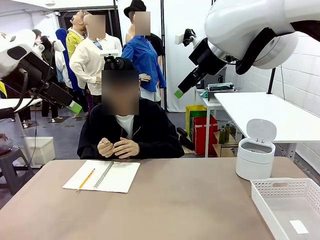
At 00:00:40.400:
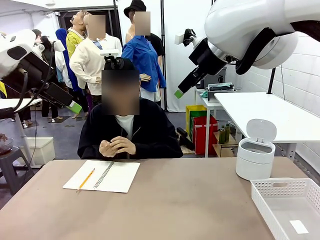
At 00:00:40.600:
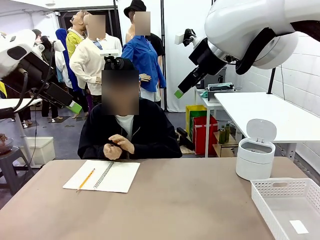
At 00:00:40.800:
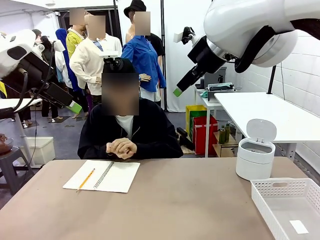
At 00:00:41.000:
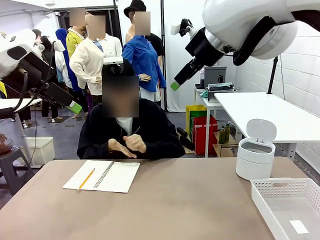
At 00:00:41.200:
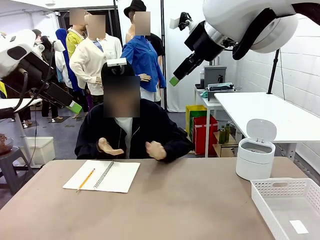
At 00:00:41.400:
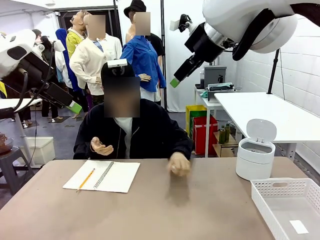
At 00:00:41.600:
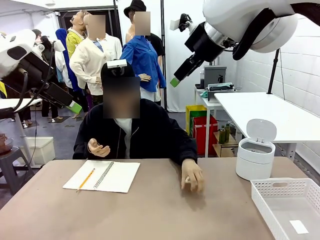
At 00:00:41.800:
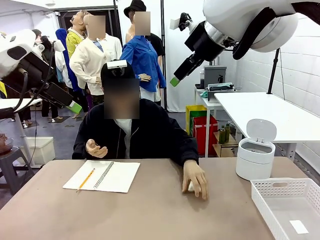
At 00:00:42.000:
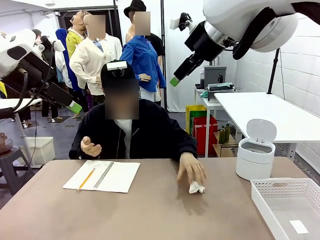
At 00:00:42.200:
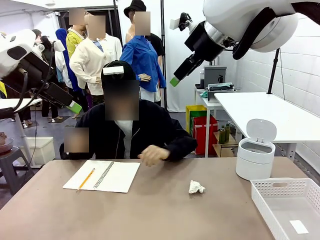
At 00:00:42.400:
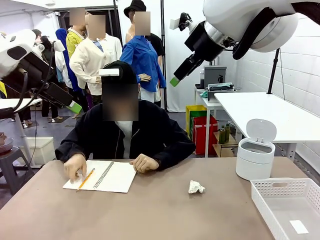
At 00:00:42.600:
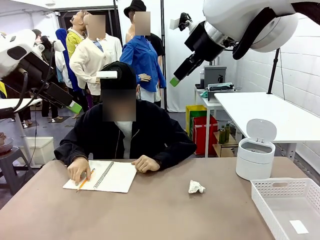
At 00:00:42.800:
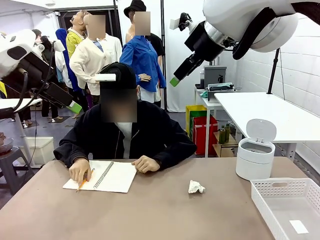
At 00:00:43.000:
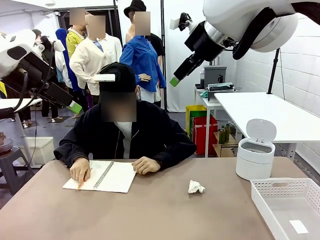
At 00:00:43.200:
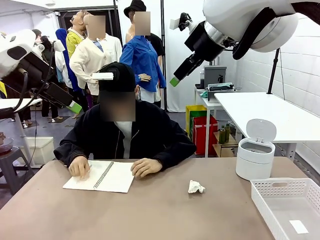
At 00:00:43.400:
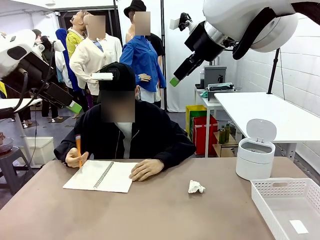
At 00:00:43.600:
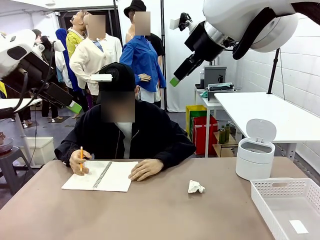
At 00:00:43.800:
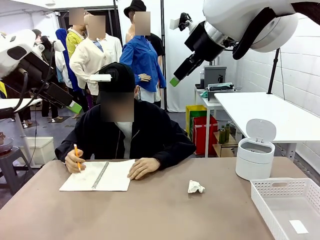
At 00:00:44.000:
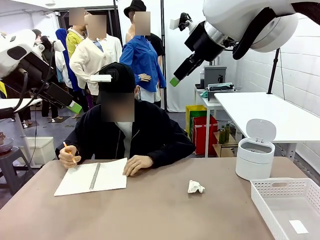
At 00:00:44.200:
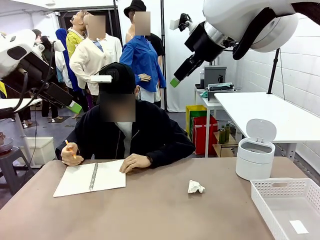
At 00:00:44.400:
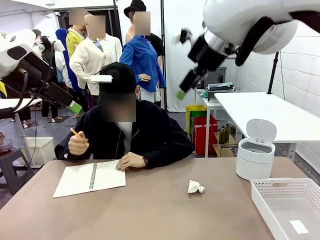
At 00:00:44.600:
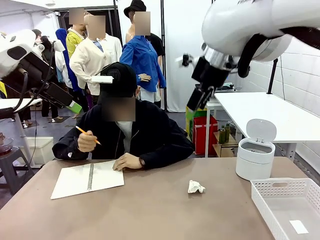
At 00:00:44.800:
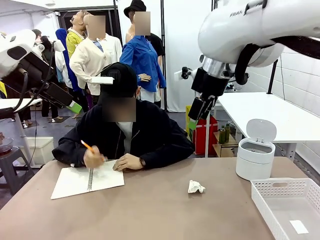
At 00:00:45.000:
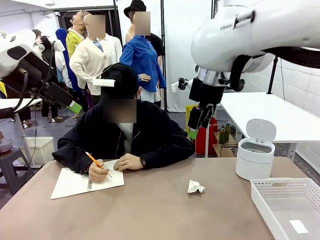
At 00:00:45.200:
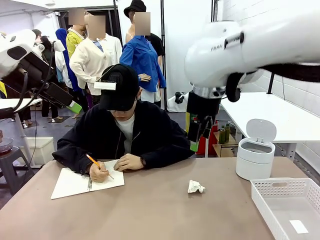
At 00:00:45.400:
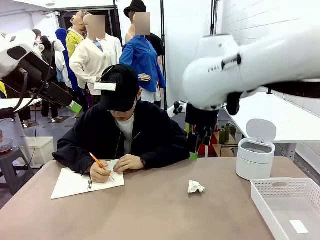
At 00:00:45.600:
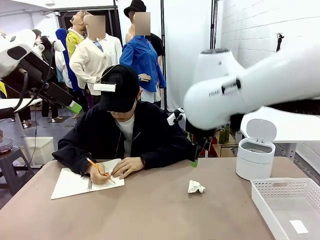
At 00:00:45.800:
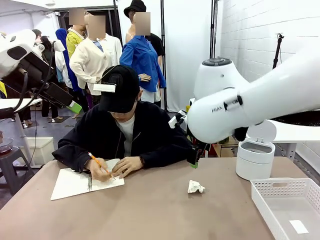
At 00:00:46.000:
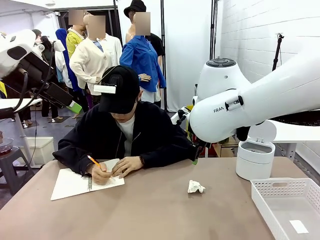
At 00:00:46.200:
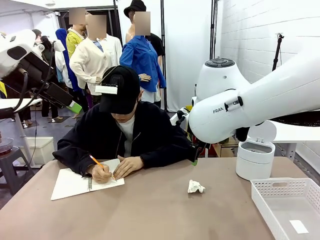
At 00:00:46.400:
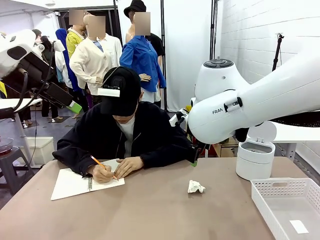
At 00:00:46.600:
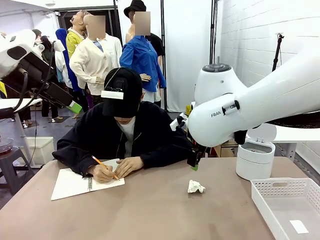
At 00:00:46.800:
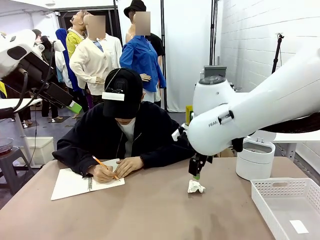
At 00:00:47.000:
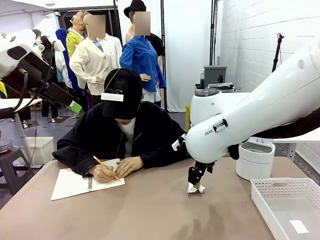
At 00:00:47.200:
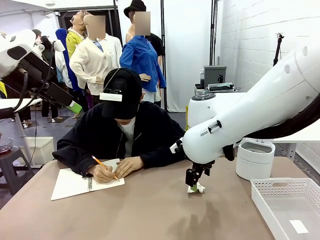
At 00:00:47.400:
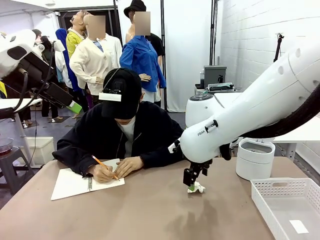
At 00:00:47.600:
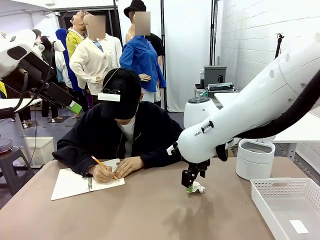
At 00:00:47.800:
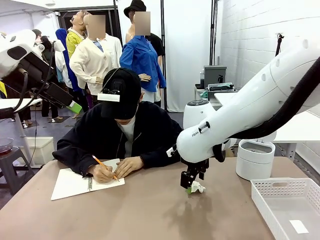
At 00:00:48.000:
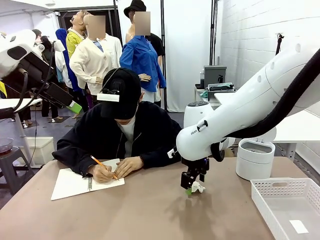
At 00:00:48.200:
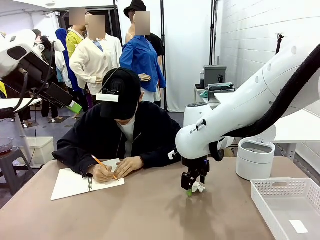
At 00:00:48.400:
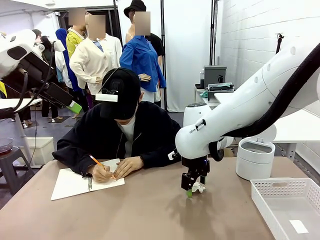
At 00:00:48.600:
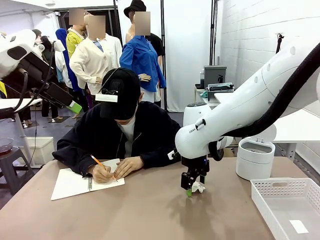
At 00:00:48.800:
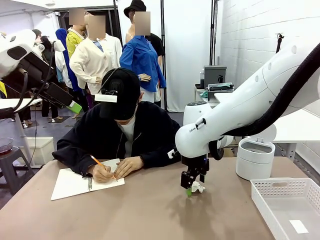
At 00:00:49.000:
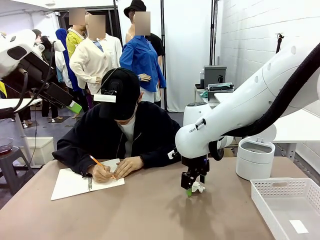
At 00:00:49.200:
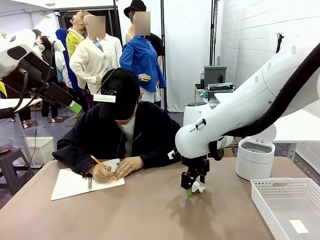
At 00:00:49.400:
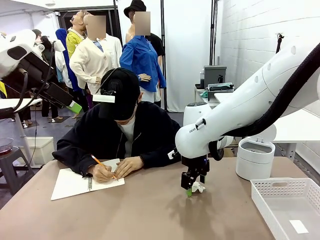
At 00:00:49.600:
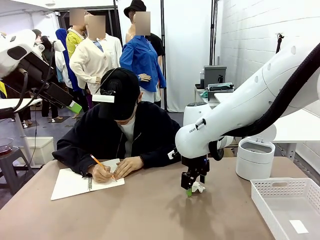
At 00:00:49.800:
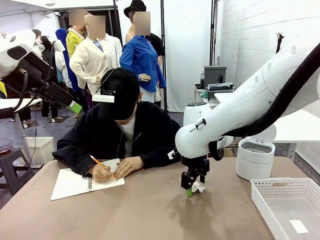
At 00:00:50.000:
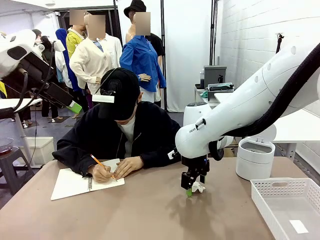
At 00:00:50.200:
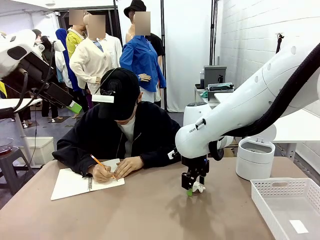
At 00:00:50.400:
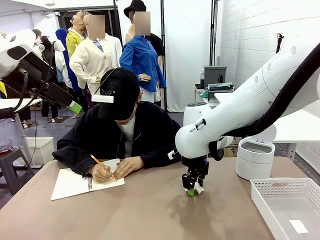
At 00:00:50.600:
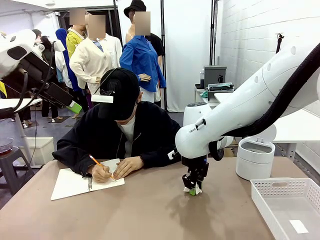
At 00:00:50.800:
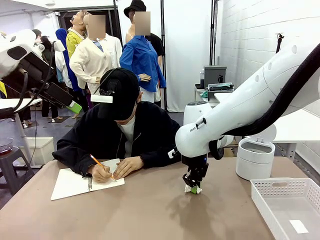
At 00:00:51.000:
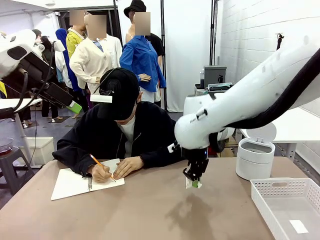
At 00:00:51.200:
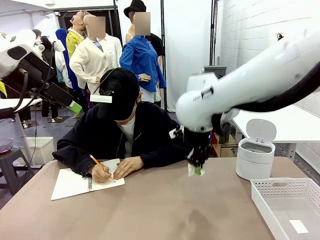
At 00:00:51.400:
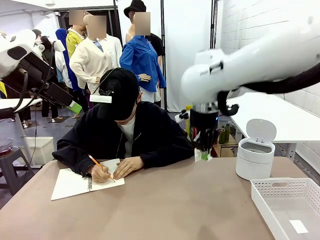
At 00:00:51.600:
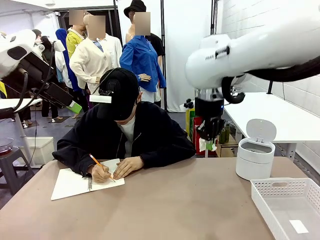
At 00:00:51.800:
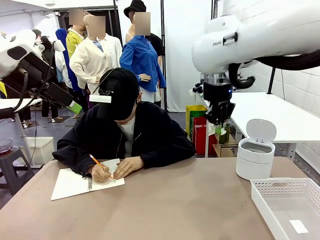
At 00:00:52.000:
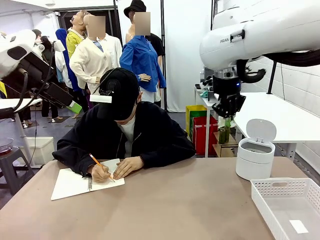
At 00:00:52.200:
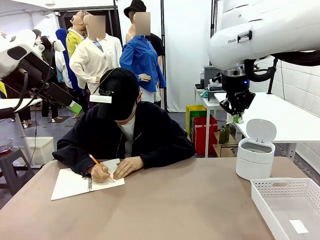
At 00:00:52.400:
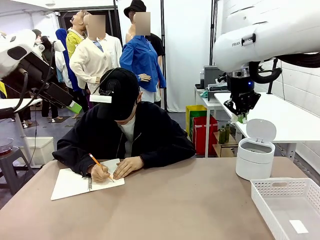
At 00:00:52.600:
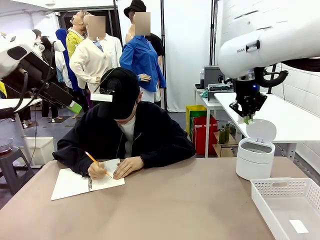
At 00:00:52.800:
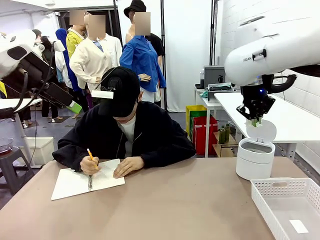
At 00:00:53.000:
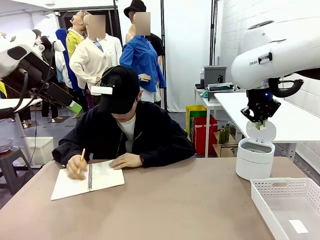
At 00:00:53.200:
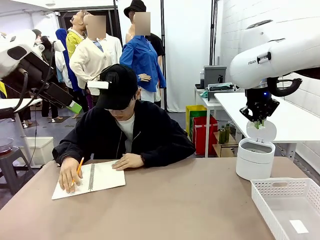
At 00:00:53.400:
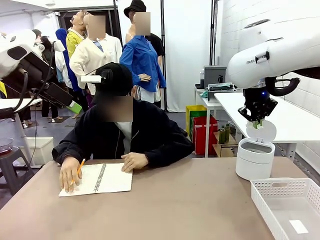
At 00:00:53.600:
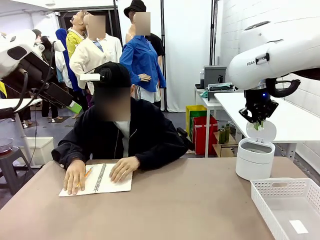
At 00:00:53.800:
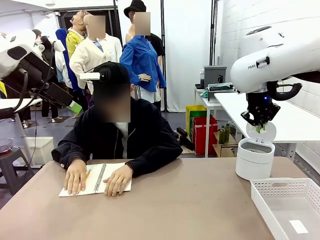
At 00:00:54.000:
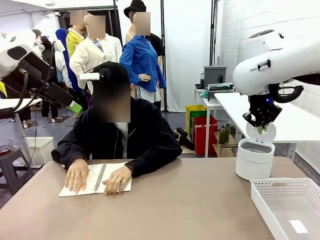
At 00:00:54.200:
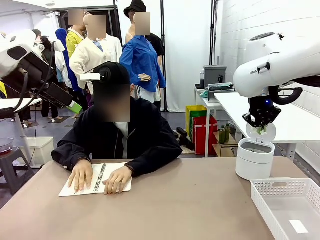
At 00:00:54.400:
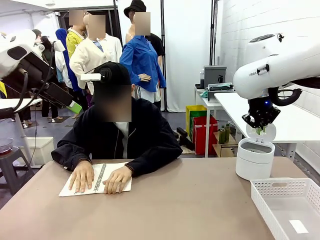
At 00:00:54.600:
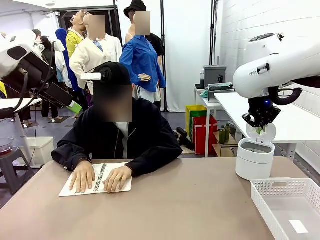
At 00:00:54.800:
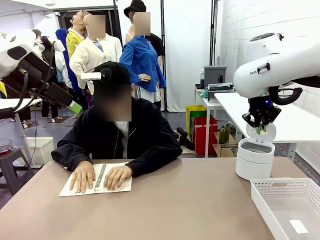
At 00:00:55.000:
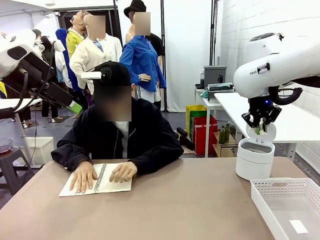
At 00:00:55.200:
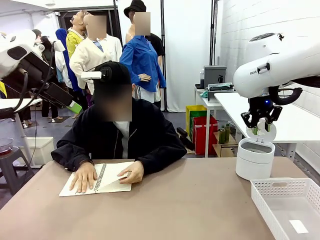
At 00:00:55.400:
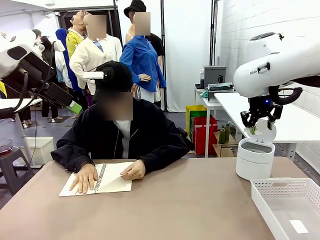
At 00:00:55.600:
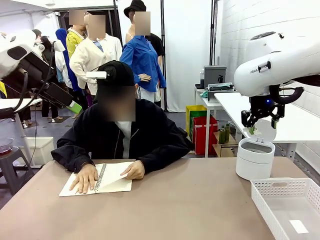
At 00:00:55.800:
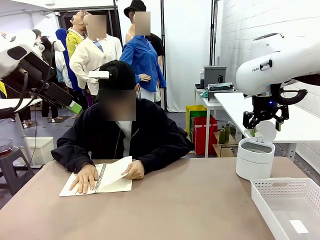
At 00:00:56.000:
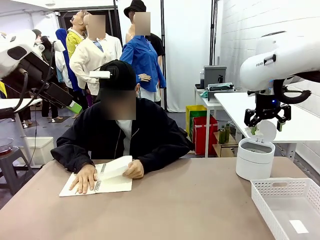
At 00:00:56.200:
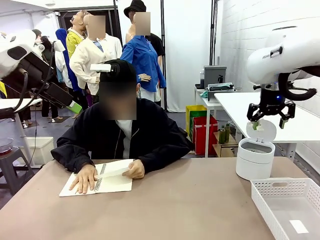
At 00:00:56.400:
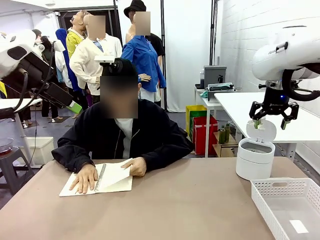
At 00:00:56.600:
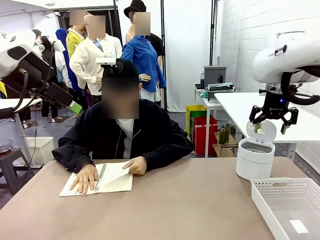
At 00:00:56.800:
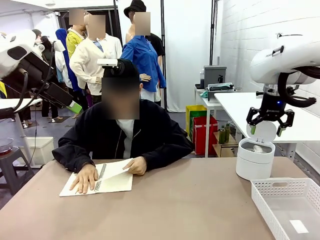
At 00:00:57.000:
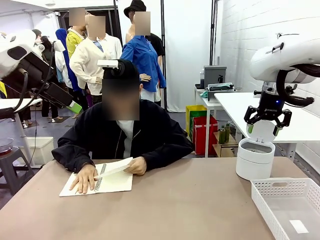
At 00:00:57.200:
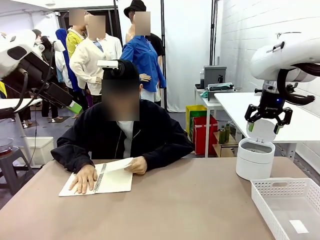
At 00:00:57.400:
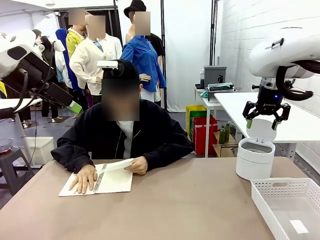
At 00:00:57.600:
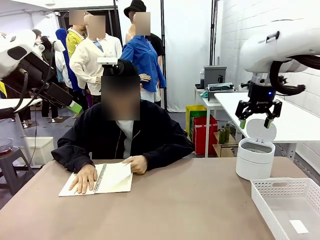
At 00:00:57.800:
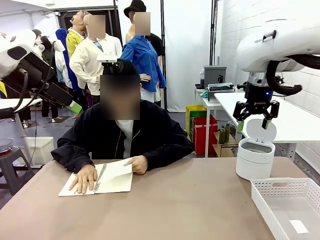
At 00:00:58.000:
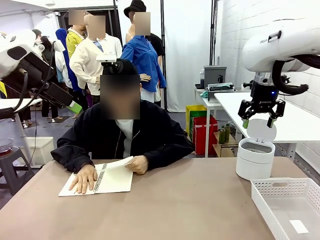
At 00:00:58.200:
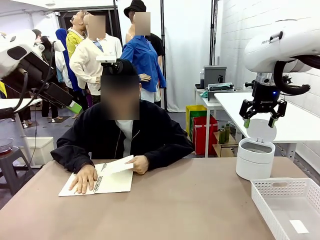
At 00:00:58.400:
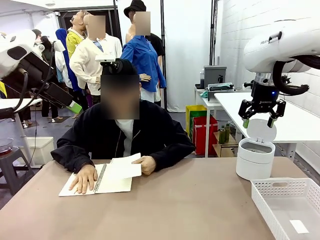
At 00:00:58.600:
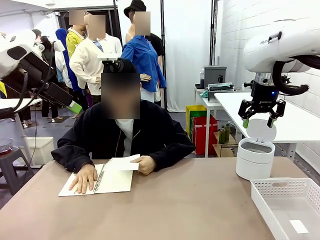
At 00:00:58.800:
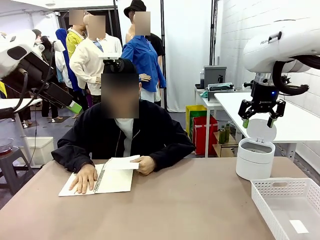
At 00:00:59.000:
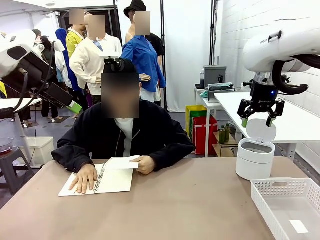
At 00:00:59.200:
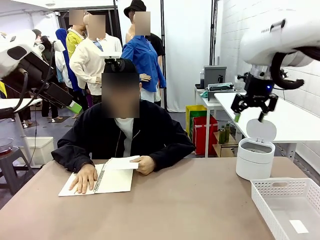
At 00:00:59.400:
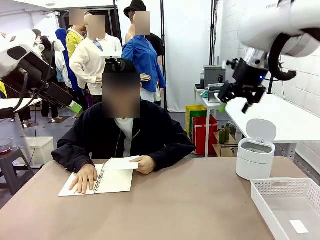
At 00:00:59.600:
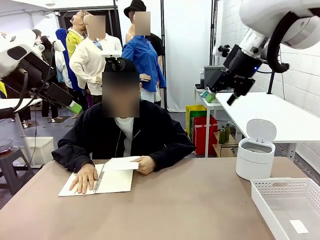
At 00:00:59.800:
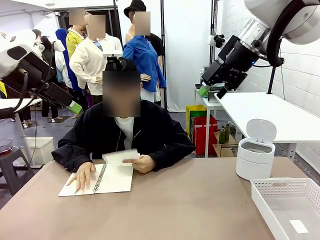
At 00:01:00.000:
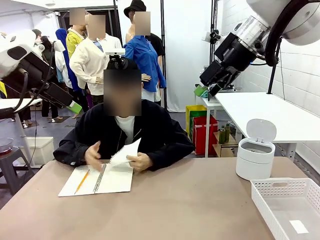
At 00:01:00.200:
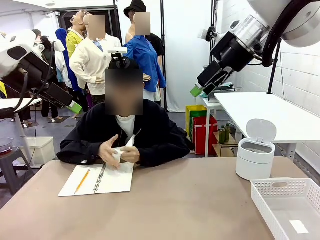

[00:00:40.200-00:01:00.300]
Task: Sort the paper based on its condition.
Robot: If a person hands you a paper, place it in the Organizing basket , and if it's crumpled, put it in the Trash can.
Person: Tear out a page from the spiral notebook.
